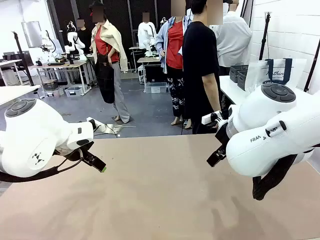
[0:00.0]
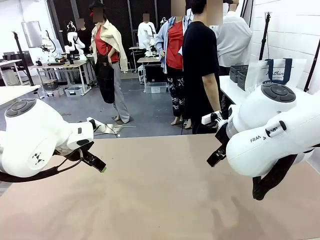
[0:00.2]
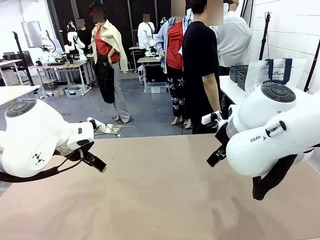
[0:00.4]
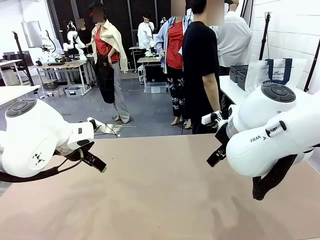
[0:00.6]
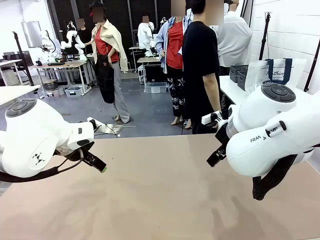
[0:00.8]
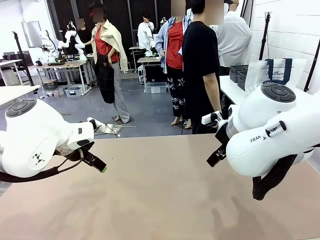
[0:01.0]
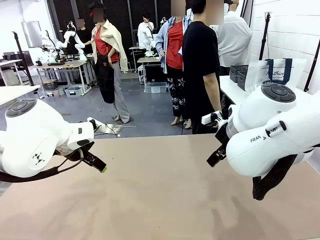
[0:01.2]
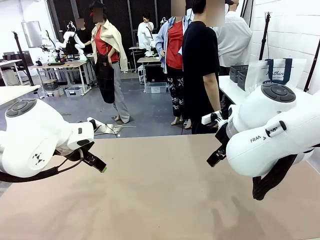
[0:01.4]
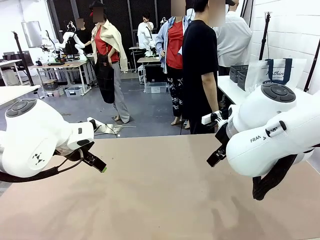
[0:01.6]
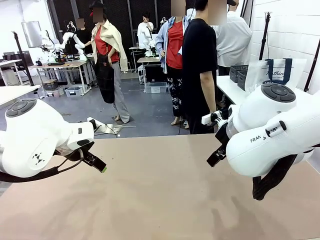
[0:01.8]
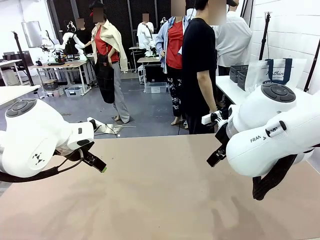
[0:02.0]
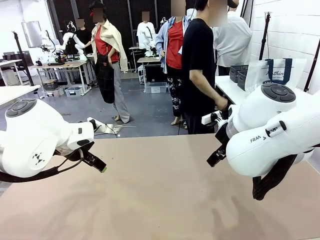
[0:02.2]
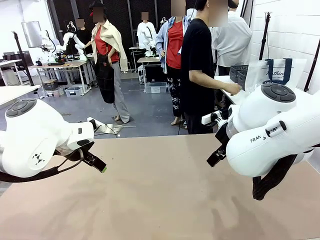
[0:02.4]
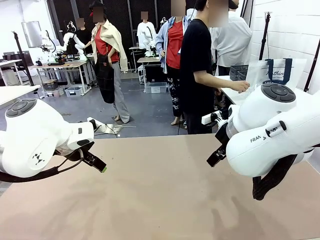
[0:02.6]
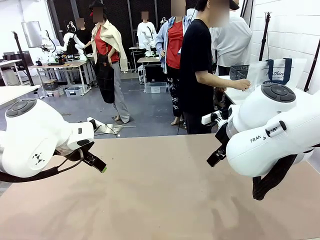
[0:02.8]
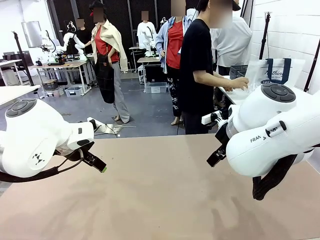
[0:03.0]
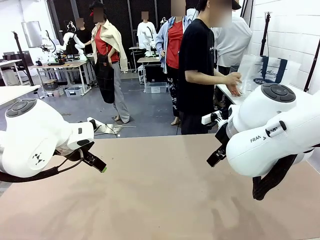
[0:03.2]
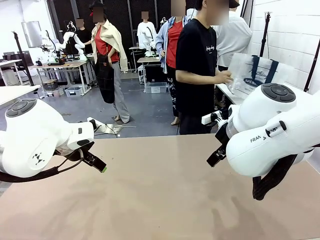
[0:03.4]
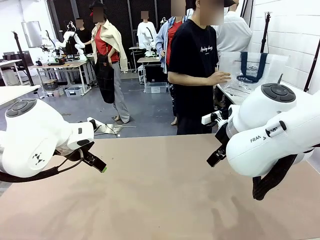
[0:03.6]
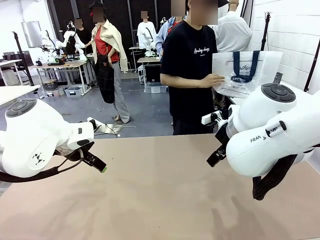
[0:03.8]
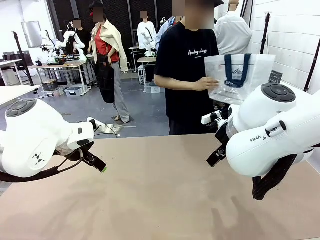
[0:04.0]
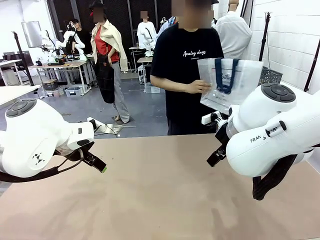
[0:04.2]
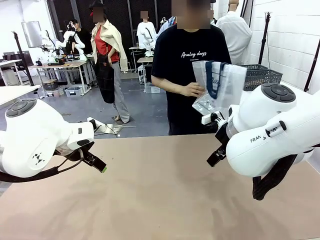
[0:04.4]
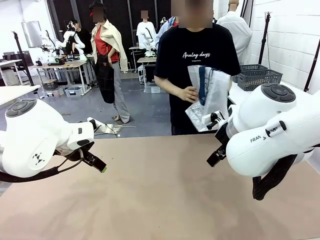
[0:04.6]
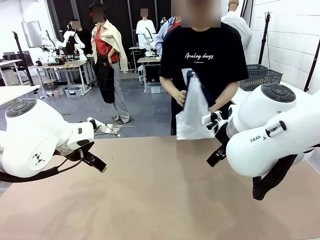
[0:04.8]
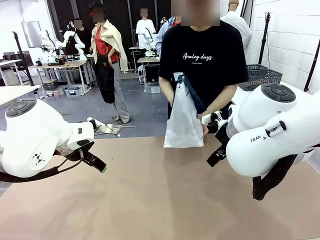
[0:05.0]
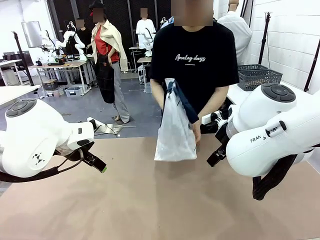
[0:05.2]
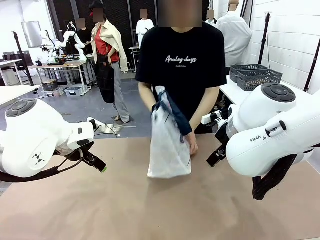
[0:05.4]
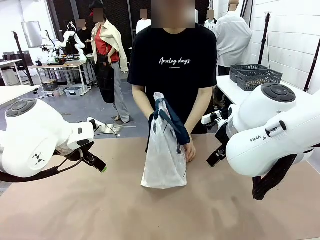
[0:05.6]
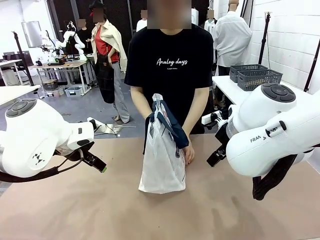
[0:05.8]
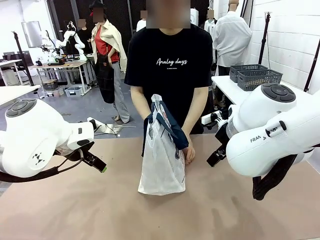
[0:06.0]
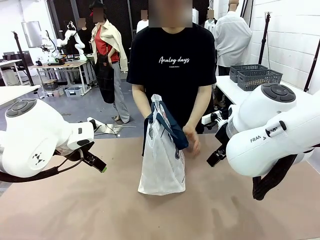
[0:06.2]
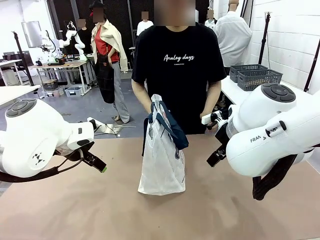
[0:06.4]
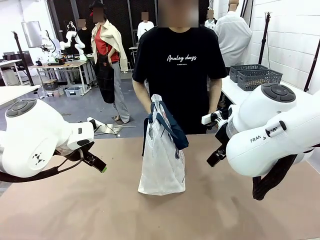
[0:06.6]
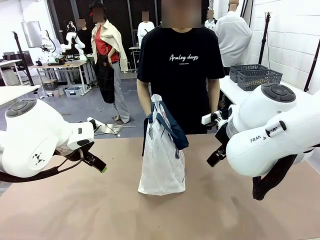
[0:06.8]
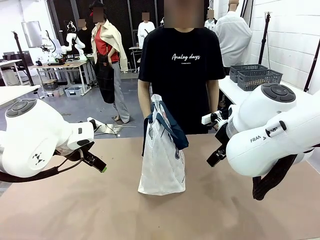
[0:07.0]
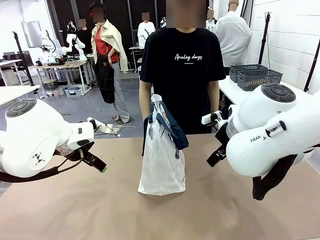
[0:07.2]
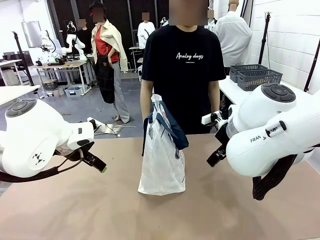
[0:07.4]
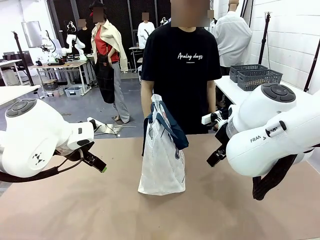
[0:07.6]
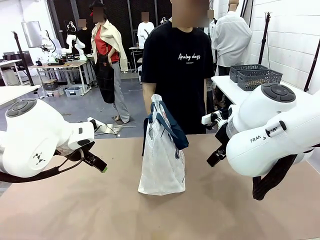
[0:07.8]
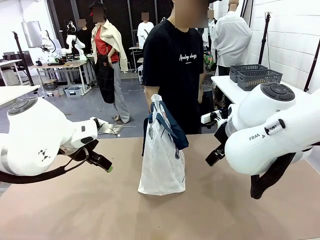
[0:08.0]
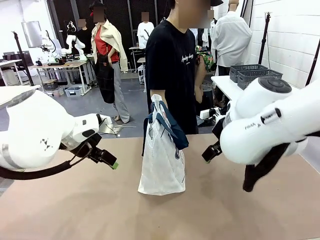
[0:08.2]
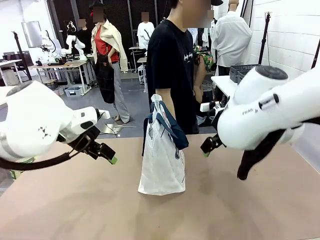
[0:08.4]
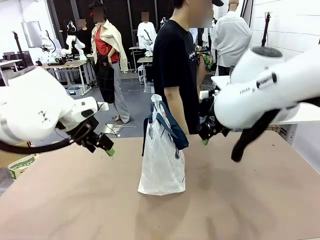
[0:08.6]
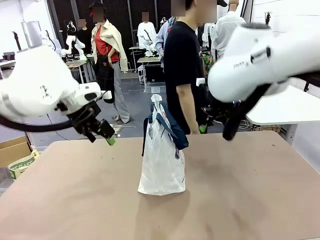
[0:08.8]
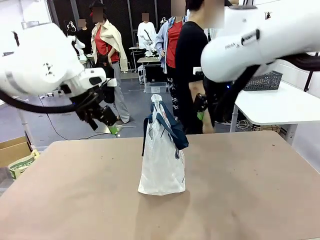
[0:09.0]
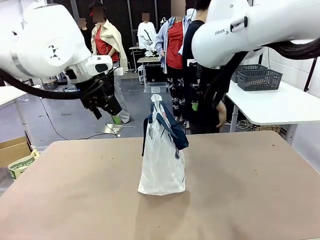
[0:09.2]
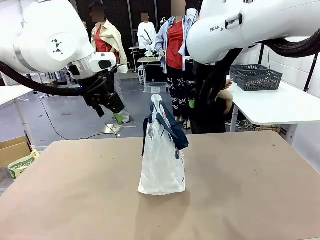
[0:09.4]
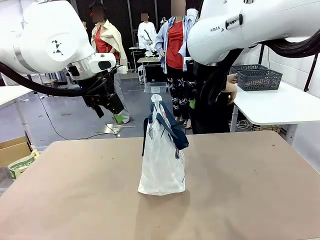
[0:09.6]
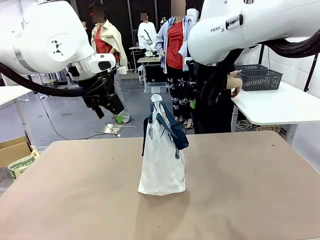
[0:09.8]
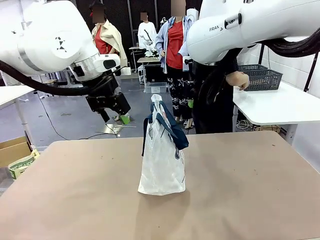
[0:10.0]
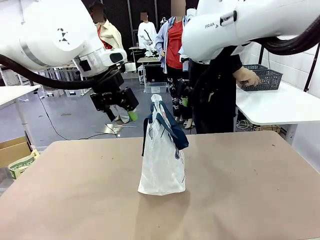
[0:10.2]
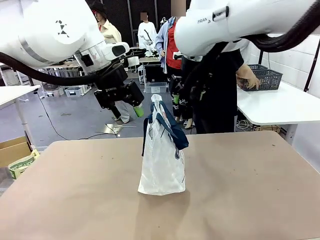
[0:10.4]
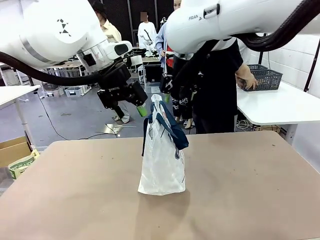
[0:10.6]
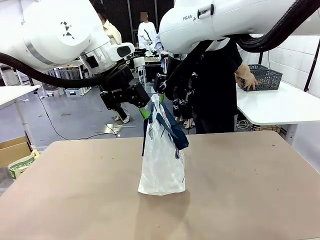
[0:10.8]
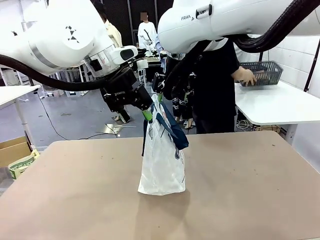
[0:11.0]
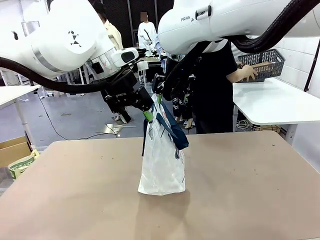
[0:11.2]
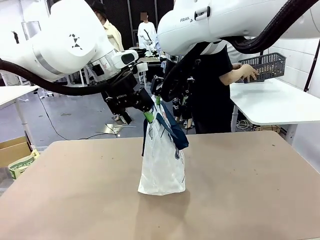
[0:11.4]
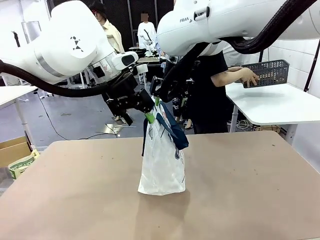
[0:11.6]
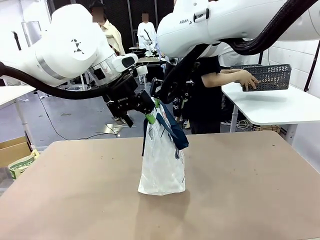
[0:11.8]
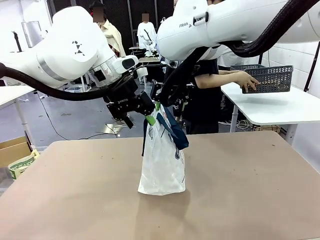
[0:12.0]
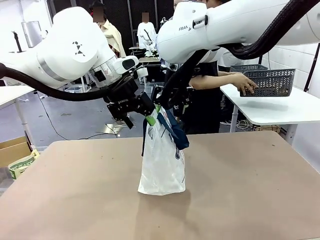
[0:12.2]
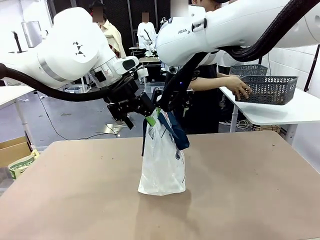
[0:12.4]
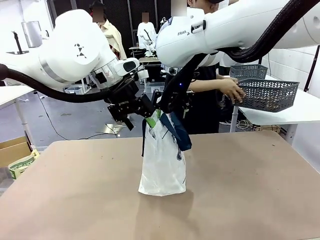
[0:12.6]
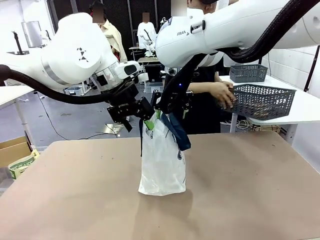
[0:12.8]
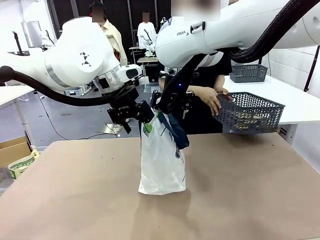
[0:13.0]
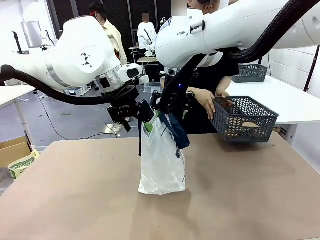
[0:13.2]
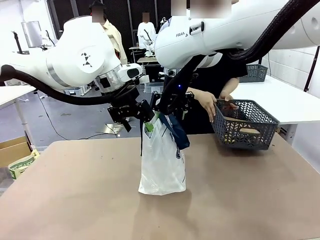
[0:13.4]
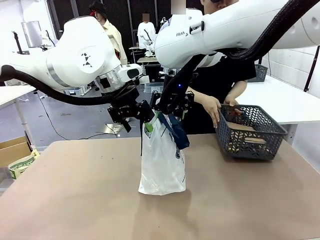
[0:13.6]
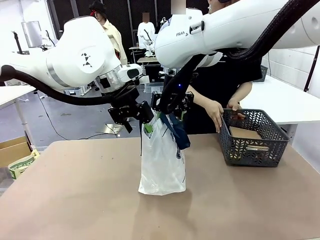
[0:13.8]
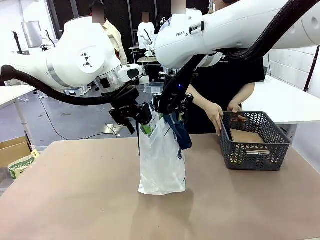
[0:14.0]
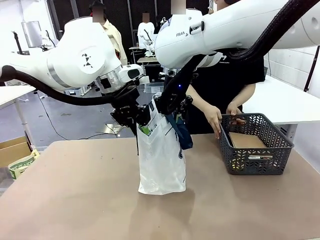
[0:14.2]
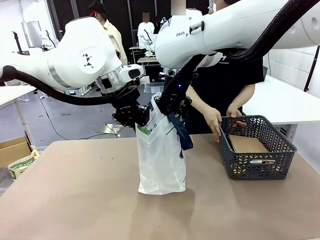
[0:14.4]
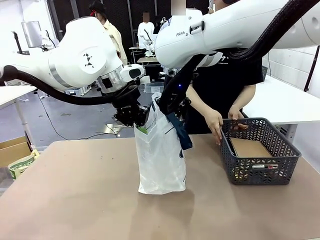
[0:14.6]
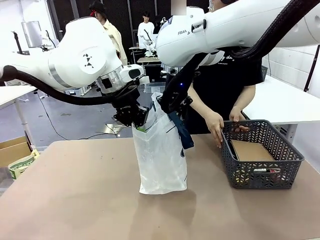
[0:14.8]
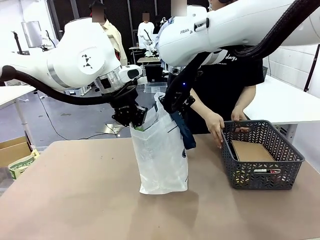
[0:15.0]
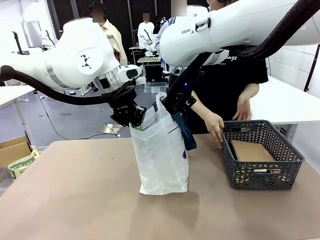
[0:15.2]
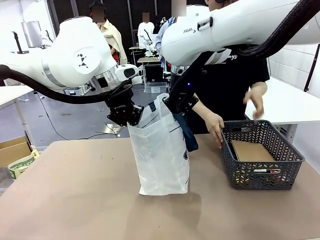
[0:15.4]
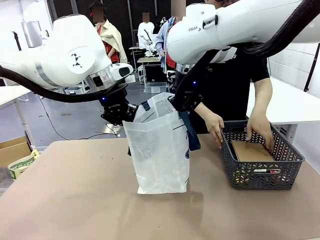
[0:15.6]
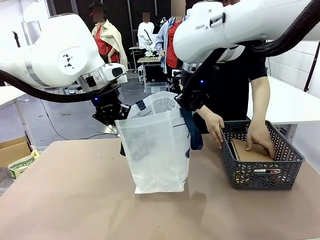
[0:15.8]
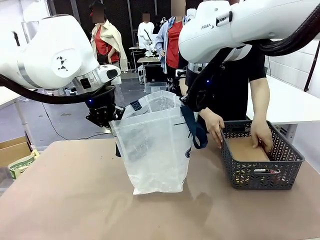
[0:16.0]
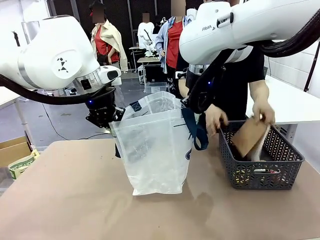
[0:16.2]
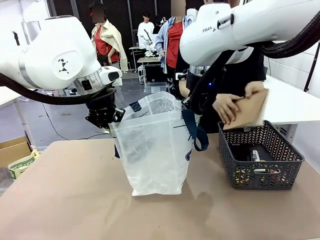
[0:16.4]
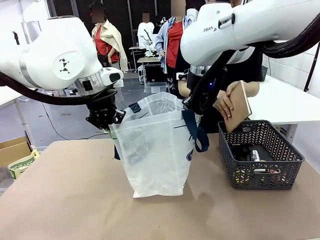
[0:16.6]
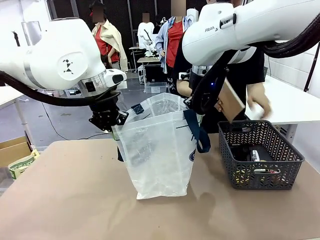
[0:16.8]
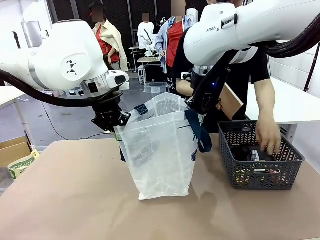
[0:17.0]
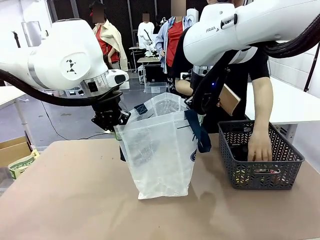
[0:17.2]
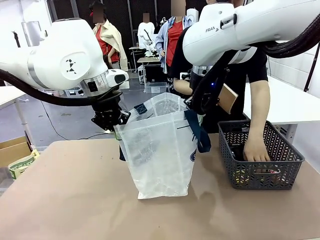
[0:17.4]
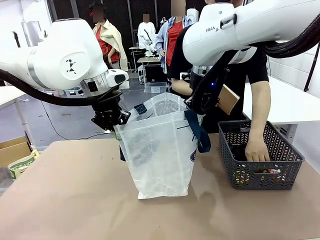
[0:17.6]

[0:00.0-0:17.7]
Task: Transfer purchased items from the store into the shopping bag.
Robot: Open the Reusable shopping bag in the center of the table.
Person: Pick up the shopping bag and place it in the middle of the robot table.
